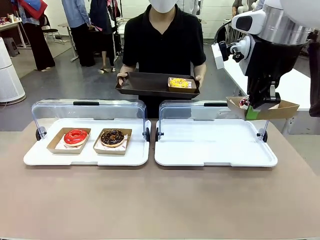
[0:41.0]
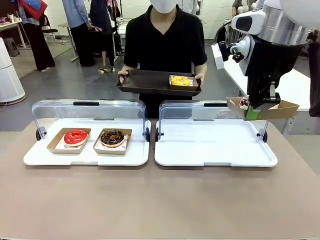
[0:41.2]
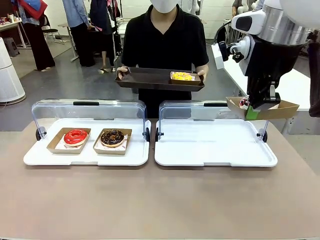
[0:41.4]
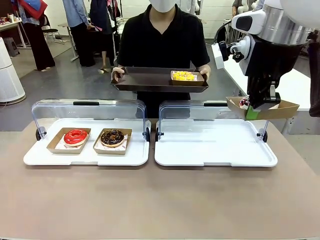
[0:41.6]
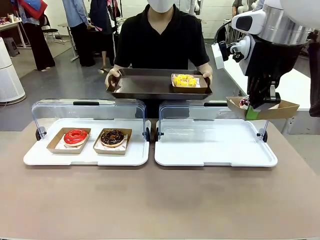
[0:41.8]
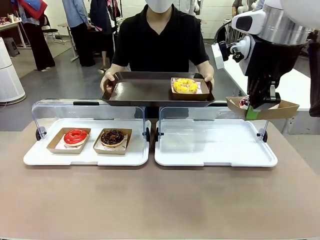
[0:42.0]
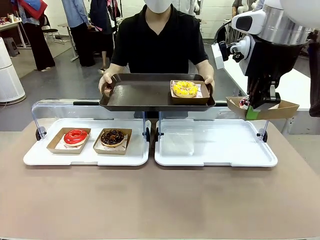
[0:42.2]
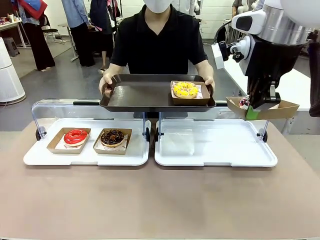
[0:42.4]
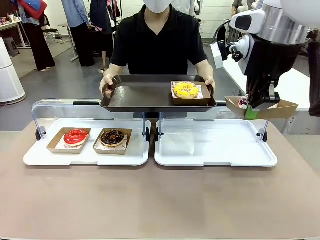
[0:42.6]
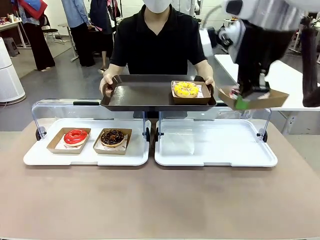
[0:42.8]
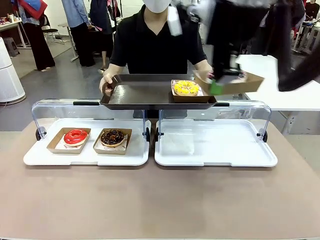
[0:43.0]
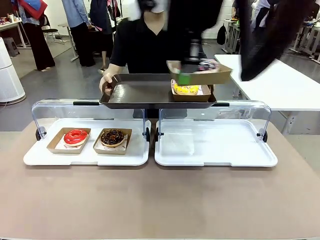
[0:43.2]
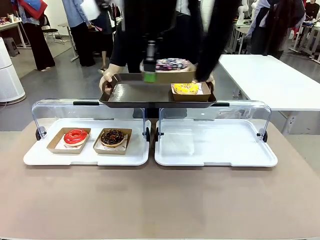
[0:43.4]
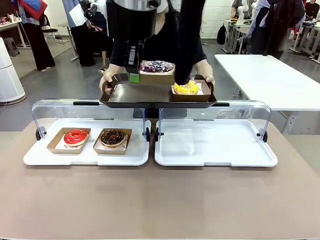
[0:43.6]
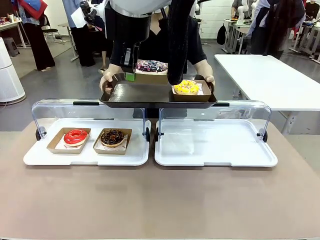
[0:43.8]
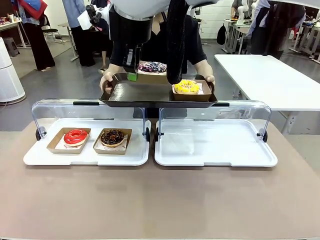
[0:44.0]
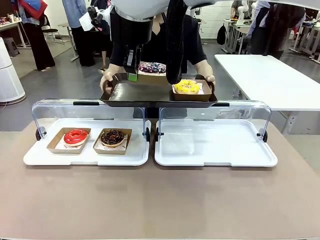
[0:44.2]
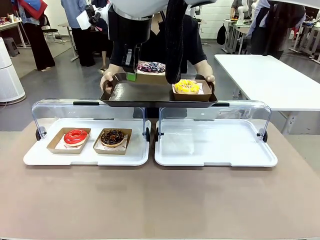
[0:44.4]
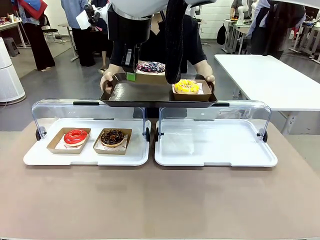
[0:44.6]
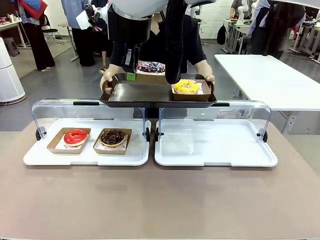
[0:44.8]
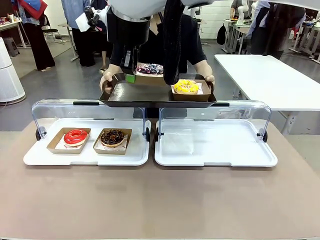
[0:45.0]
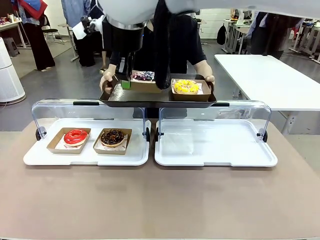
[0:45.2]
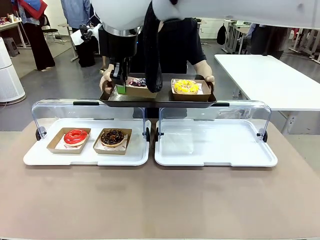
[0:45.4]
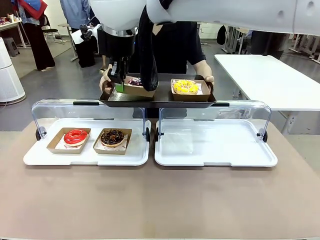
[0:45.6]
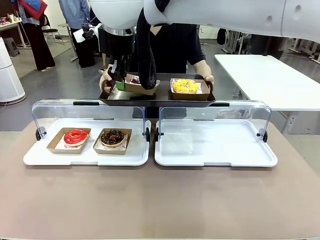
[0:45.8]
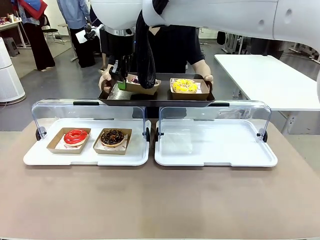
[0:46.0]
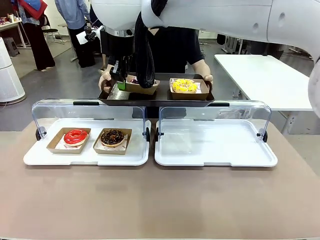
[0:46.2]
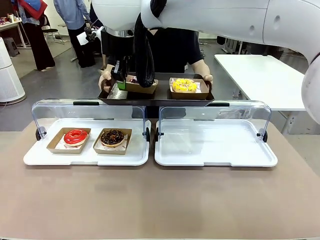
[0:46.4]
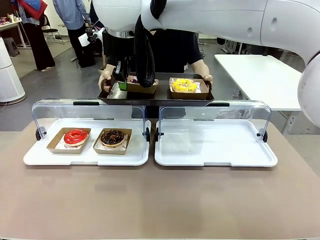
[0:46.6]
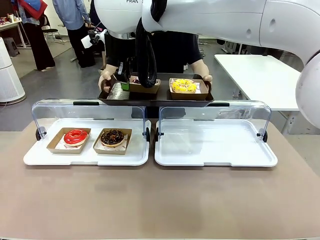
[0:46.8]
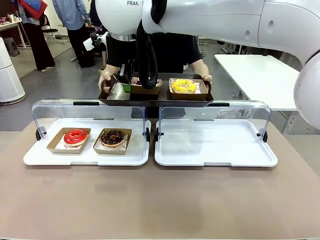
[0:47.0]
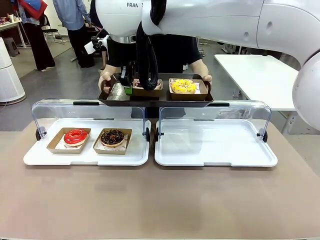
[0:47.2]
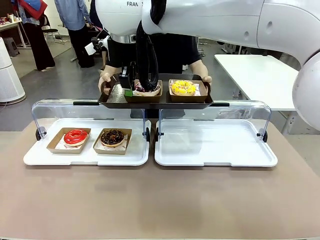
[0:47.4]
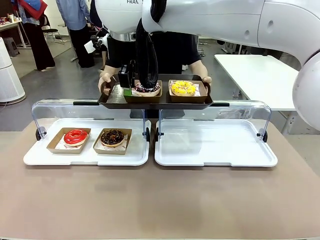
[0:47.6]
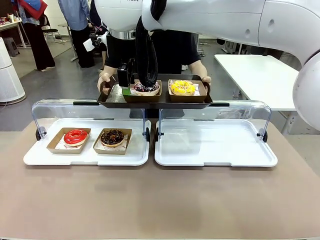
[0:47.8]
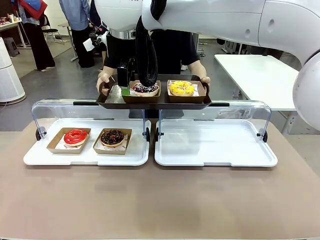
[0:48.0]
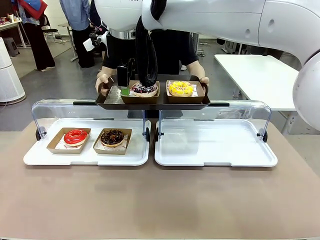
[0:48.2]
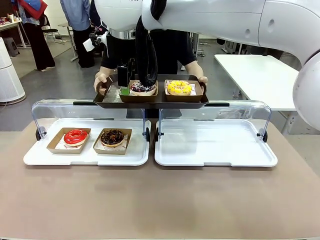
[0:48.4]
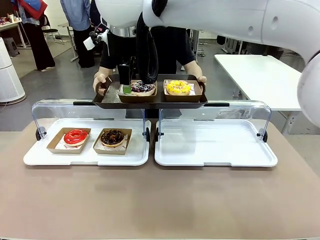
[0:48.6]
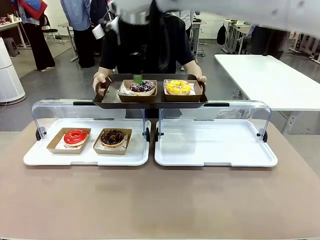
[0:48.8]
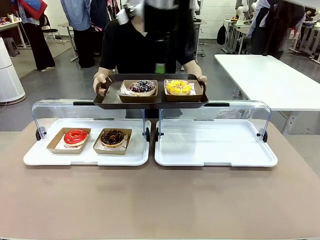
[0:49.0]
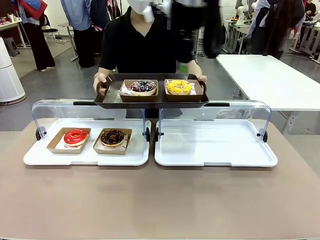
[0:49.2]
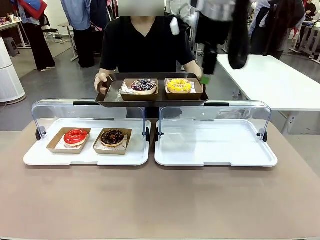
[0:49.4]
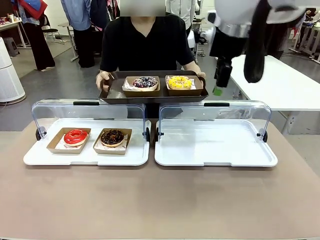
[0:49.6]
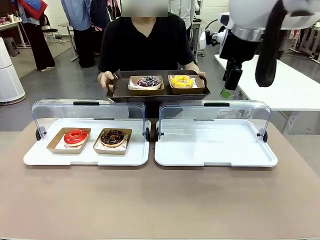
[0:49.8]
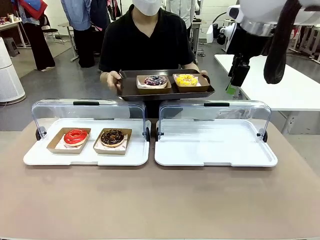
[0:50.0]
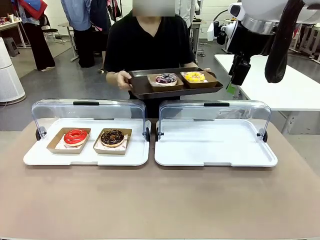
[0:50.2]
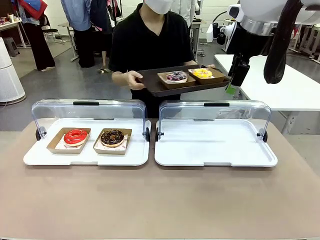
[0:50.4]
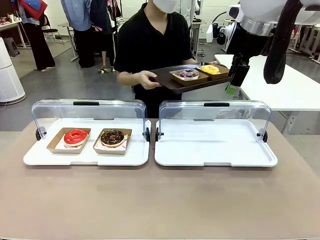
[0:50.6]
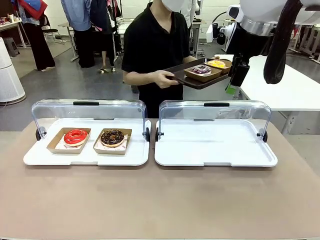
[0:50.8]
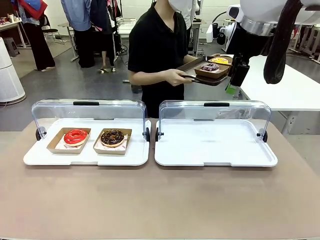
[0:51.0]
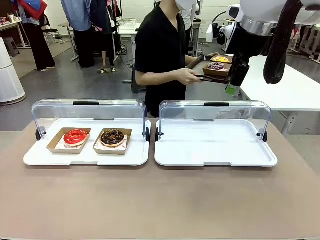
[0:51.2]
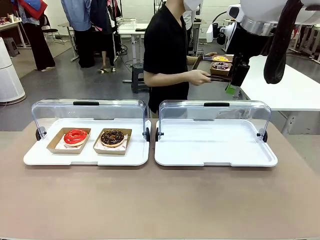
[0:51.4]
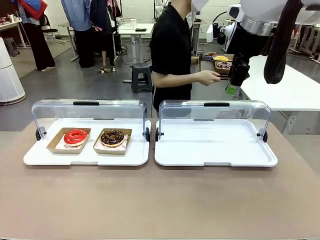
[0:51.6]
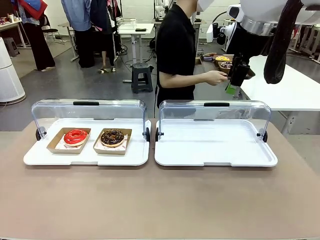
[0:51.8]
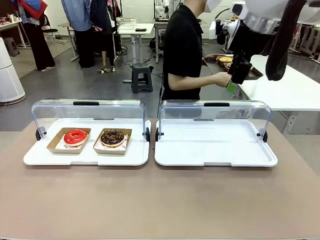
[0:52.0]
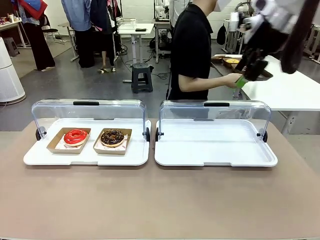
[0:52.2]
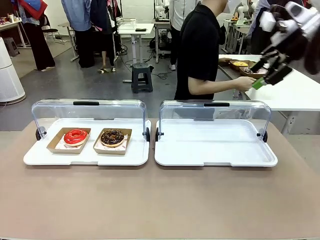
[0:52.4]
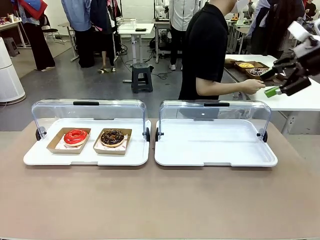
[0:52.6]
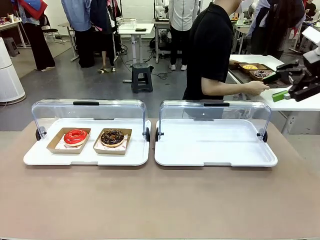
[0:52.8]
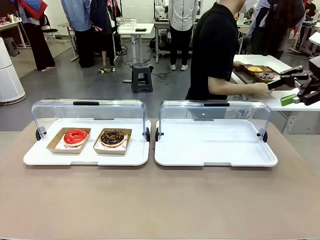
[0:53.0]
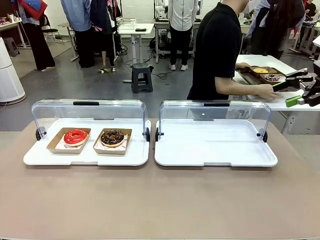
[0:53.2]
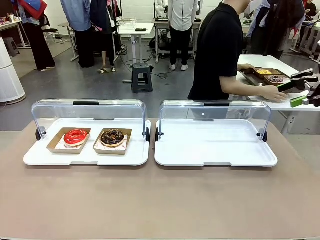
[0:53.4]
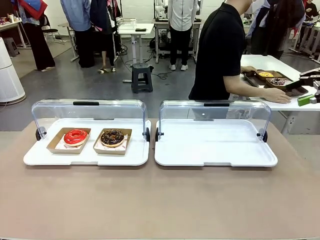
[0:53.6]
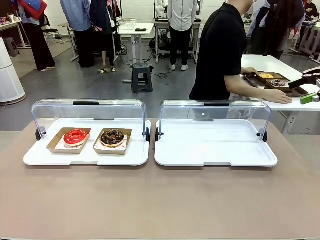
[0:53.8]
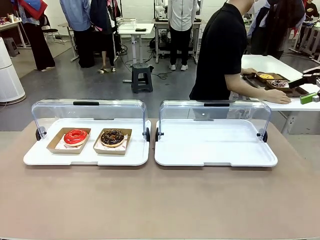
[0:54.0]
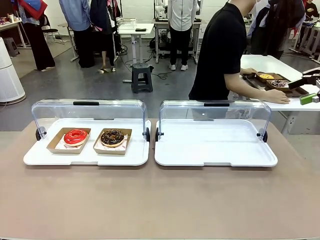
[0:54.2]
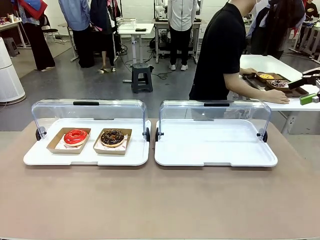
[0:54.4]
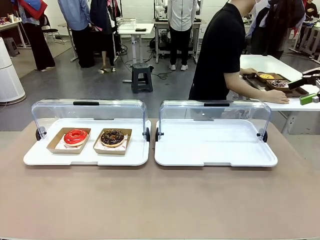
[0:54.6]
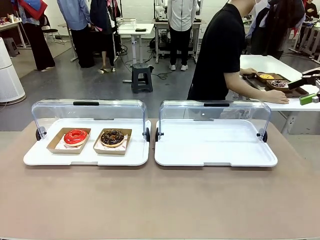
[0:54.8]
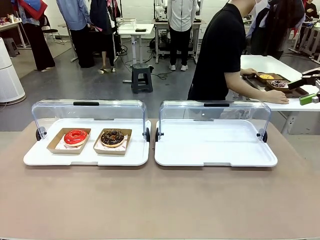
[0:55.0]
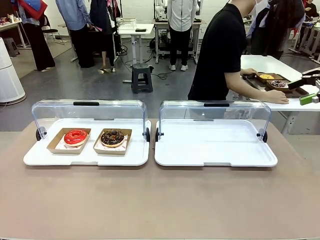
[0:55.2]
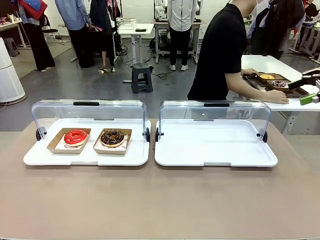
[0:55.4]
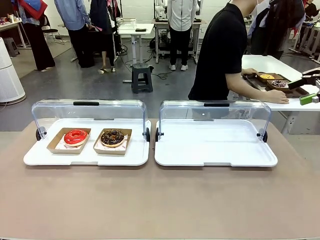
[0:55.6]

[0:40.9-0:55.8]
Task: Provide the desired donut to the person.
Robot: Place the picked Paper togo box onto the Handle tray extended by the person.
Person: Place the tray in the middle of the human table.
